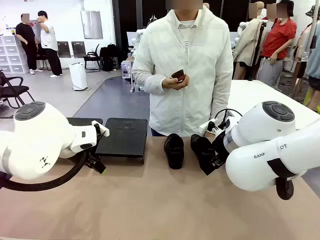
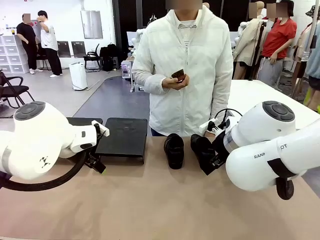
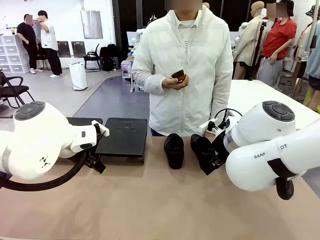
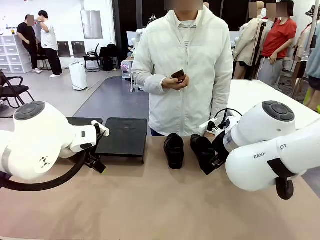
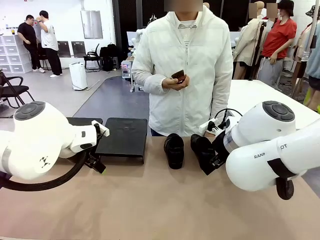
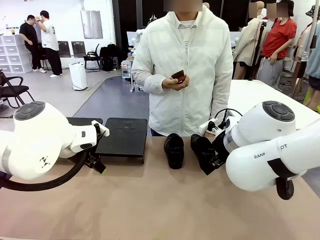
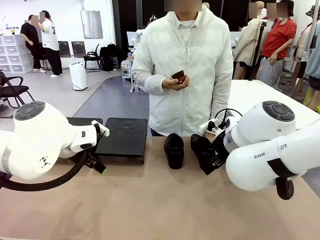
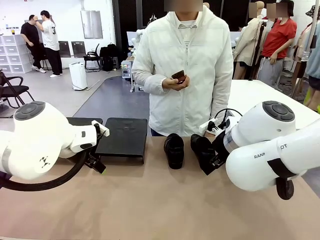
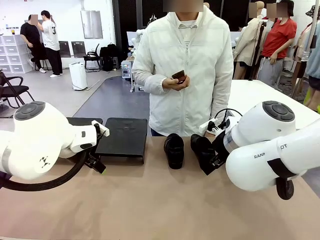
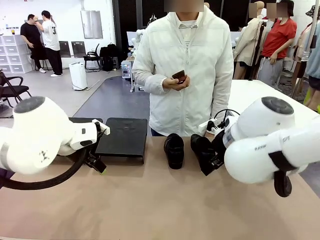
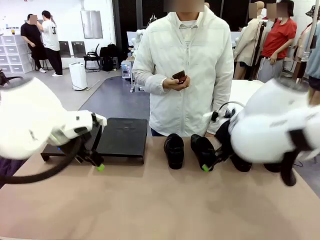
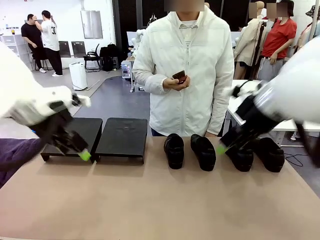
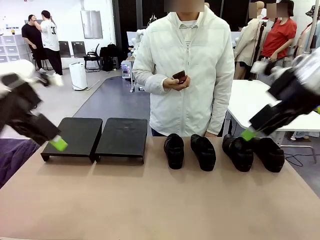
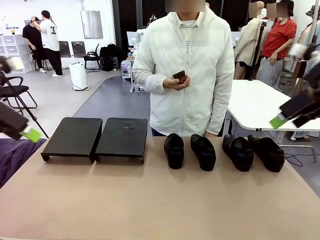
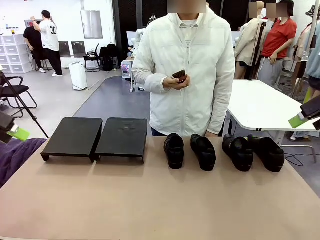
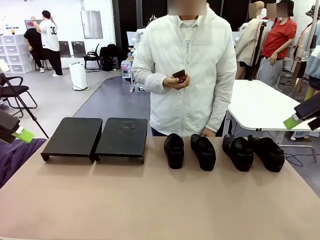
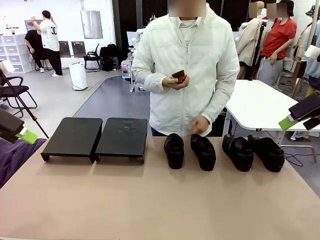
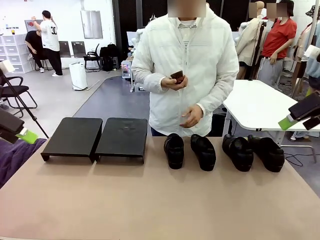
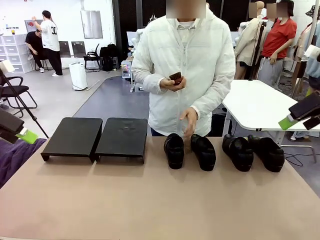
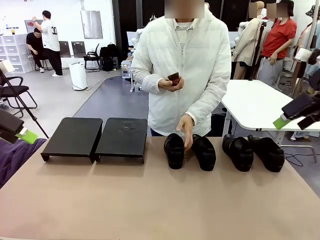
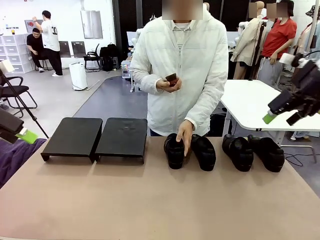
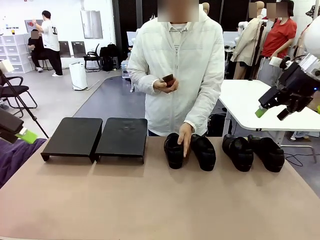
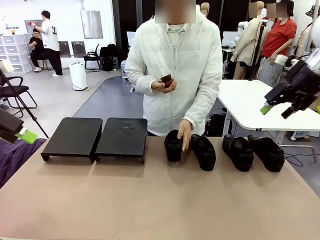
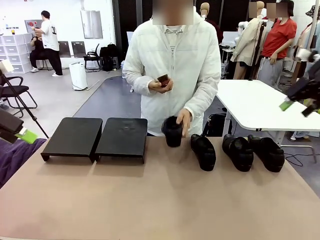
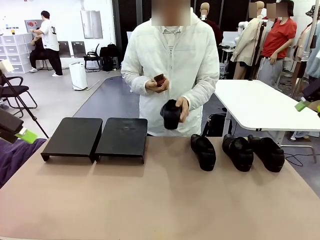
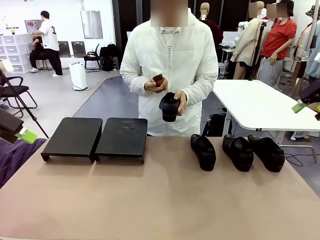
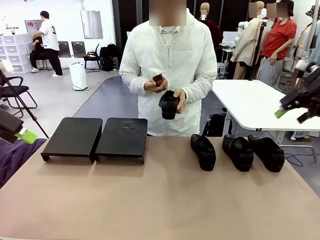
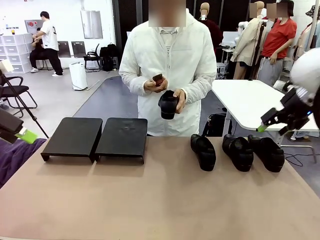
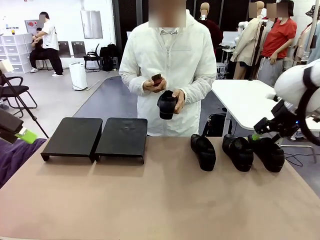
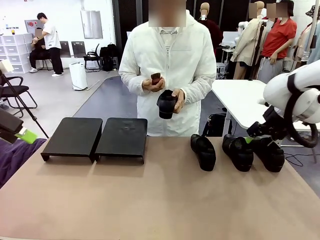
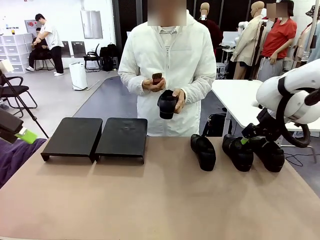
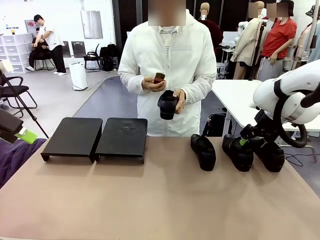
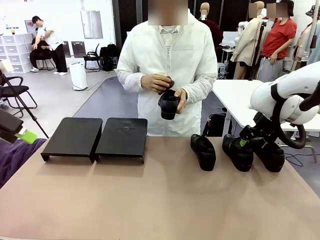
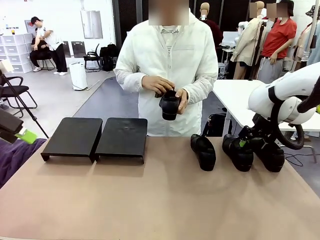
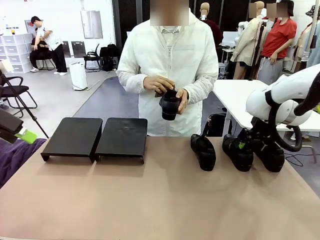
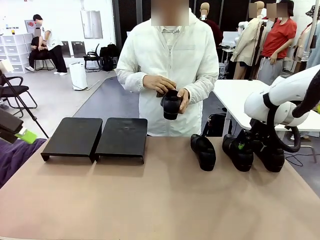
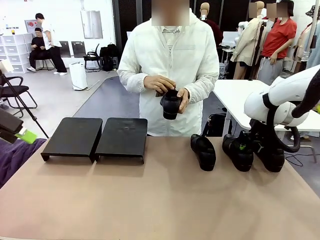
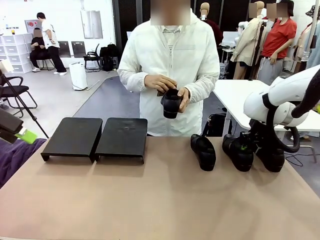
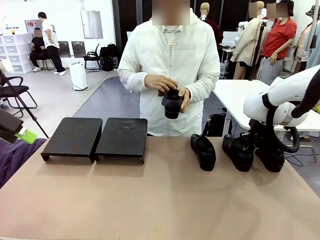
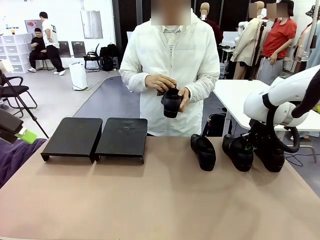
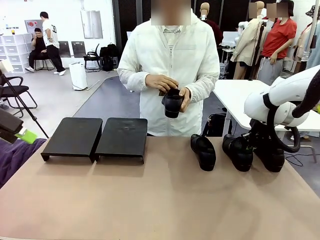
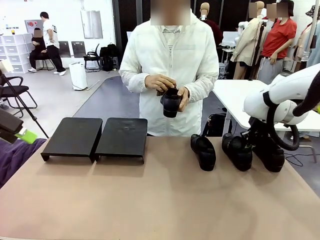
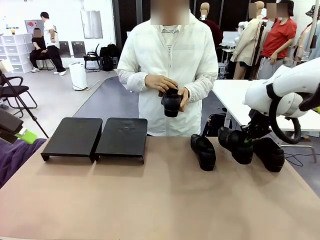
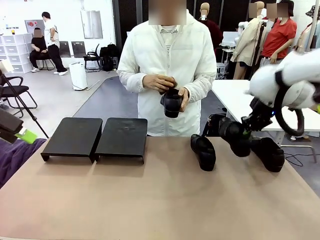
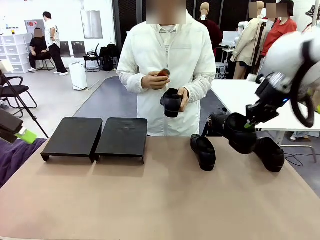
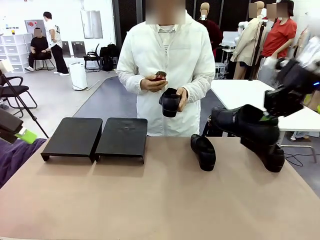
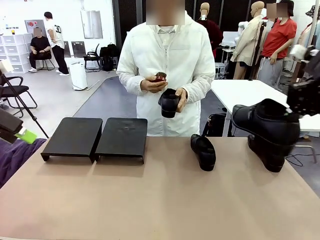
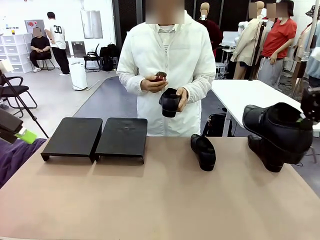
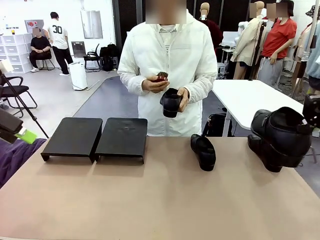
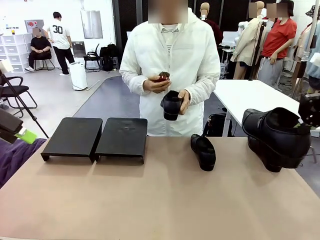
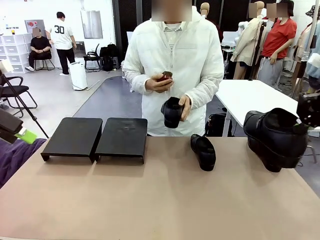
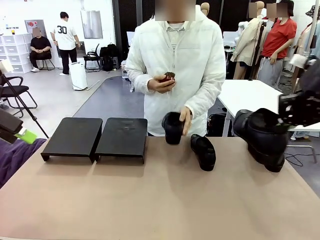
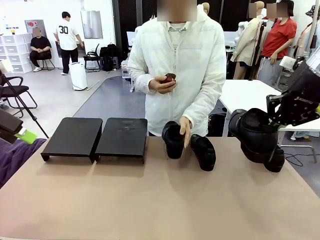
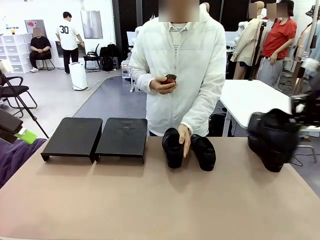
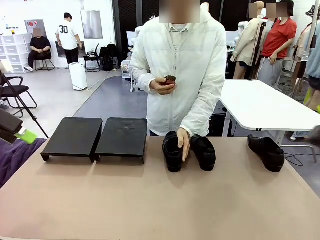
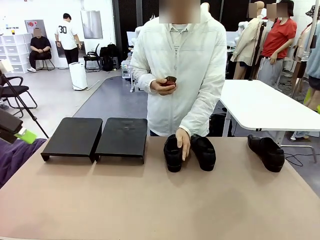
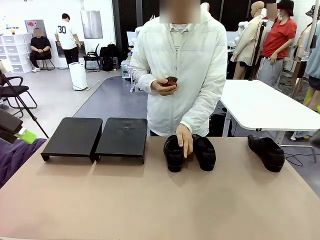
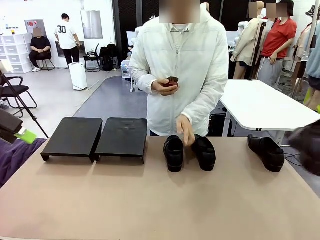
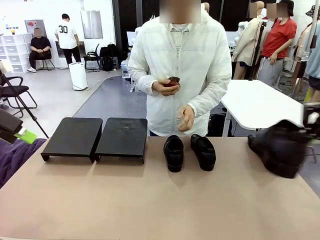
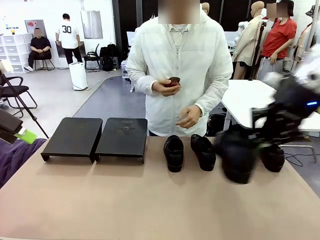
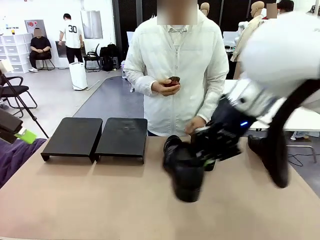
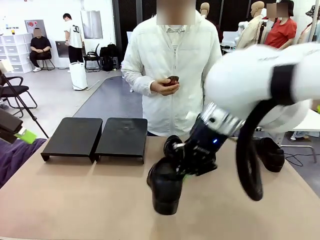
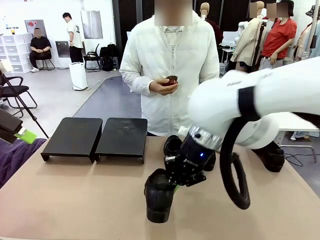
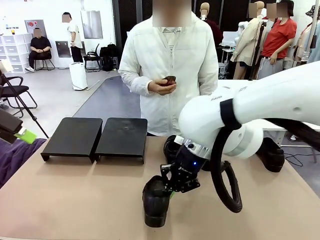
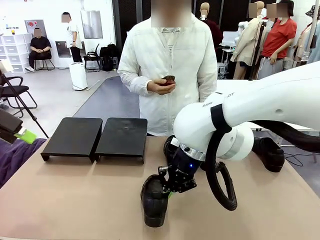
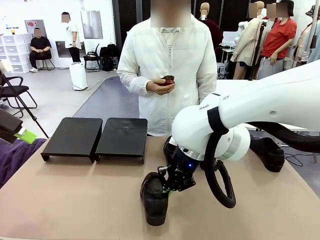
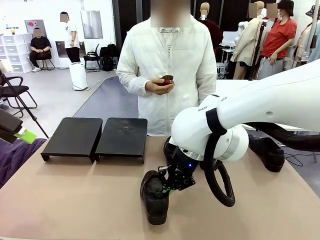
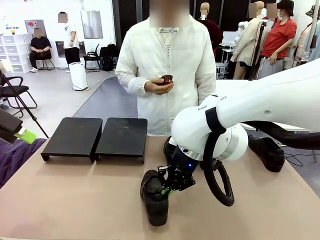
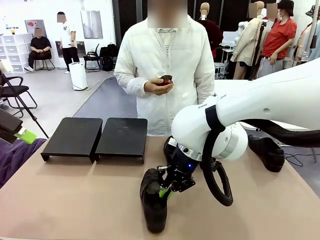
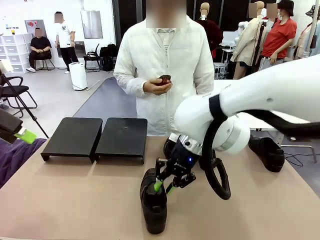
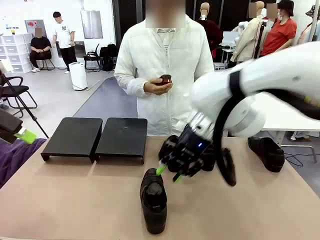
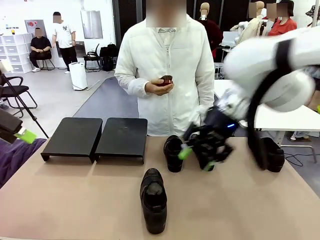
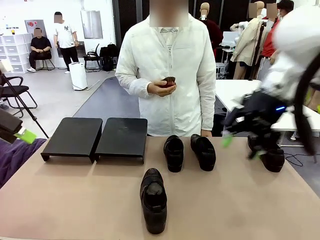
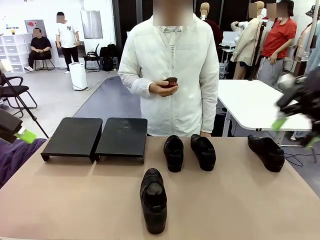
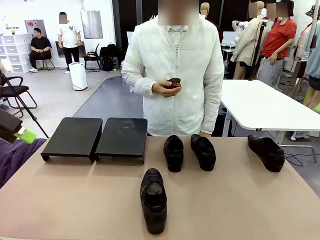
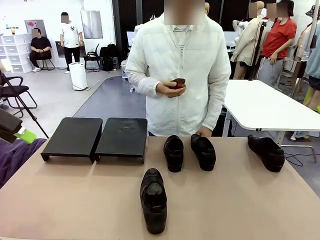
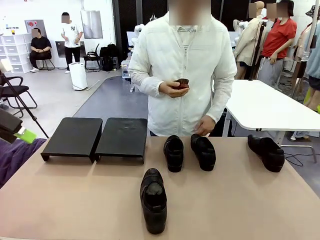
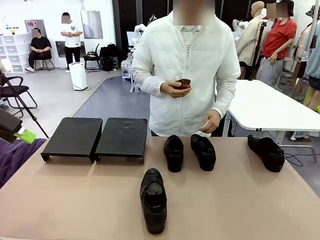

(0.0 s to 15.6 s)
Task: Organize the shoes by placing them on the stand.
Robot: Pick up one Shoe and place it in the middle of the table.
Person: Pick one Shoe on Robot's table. Clean the Shoe with the Shoe Brush. Place the Shoe on left side of the Robot's table.
